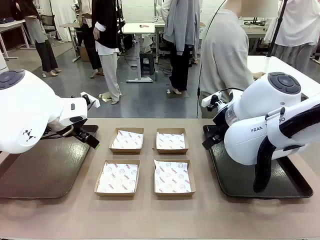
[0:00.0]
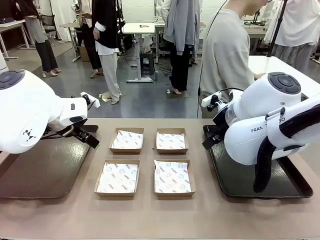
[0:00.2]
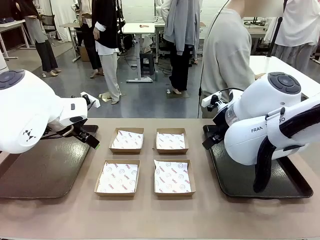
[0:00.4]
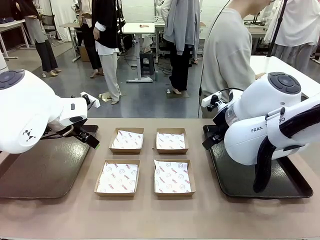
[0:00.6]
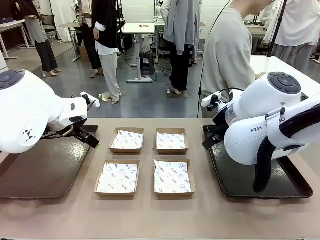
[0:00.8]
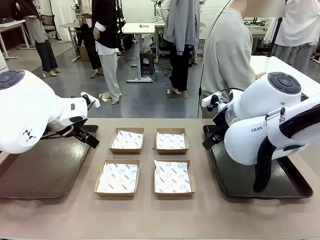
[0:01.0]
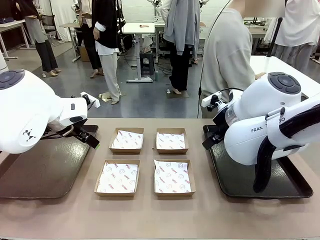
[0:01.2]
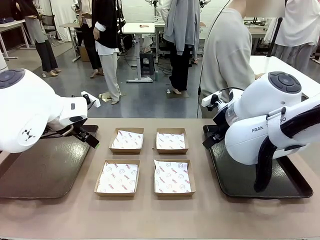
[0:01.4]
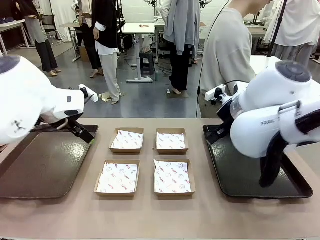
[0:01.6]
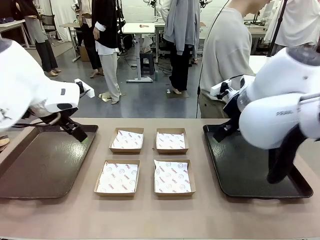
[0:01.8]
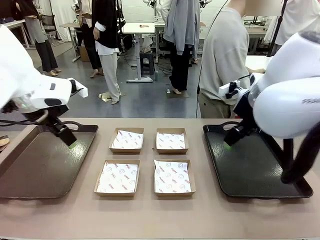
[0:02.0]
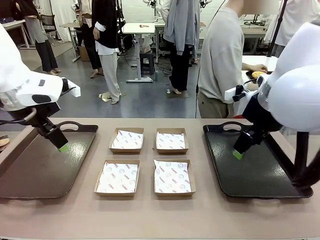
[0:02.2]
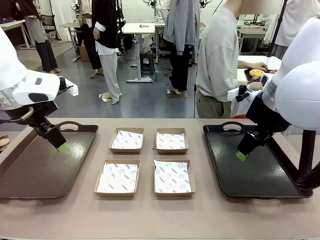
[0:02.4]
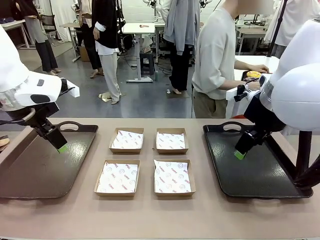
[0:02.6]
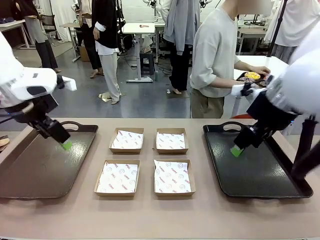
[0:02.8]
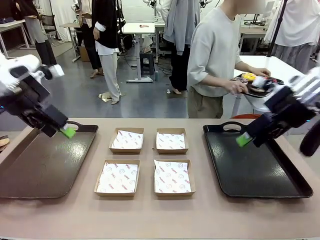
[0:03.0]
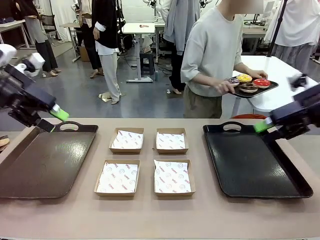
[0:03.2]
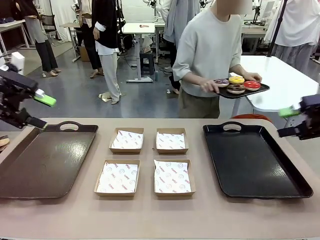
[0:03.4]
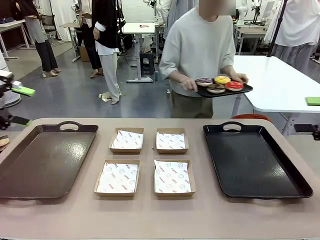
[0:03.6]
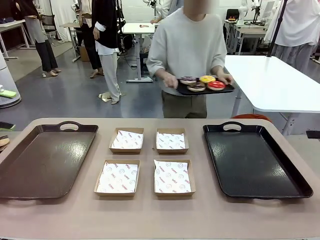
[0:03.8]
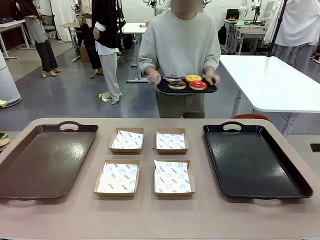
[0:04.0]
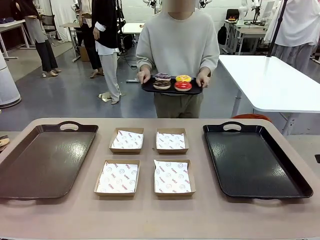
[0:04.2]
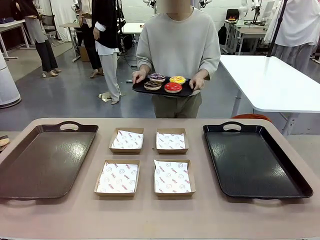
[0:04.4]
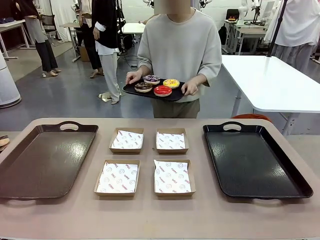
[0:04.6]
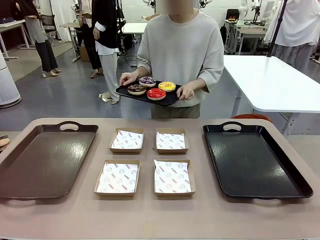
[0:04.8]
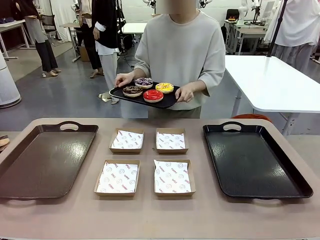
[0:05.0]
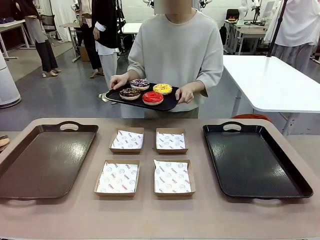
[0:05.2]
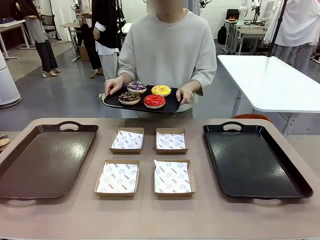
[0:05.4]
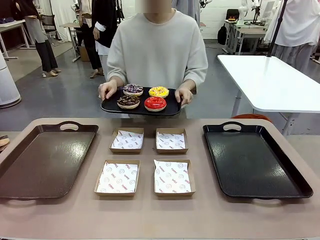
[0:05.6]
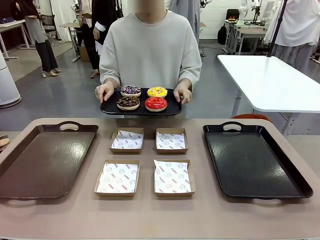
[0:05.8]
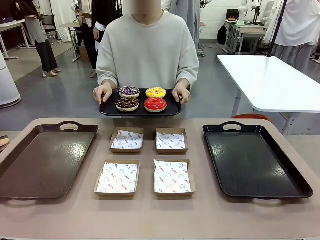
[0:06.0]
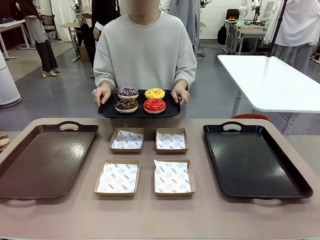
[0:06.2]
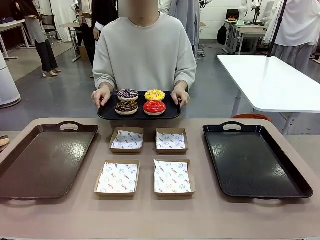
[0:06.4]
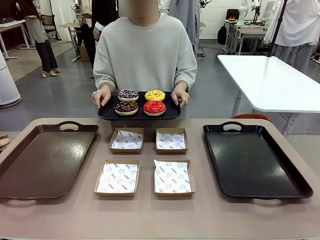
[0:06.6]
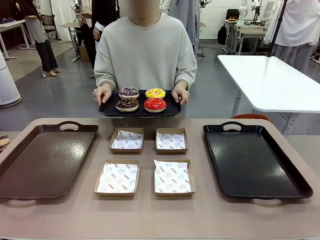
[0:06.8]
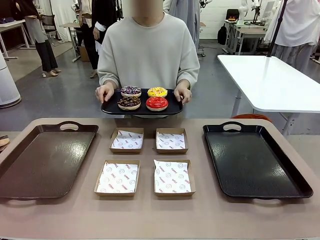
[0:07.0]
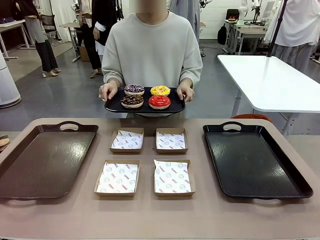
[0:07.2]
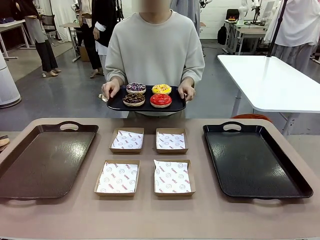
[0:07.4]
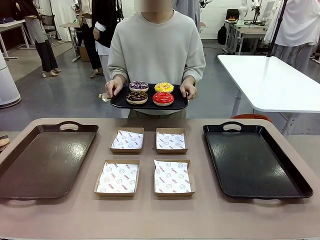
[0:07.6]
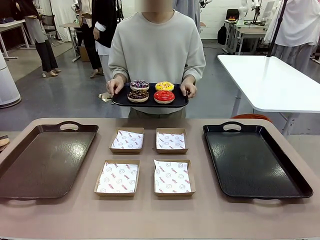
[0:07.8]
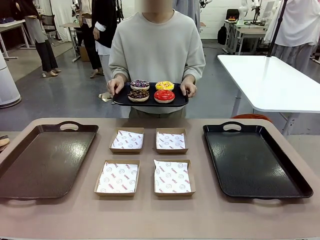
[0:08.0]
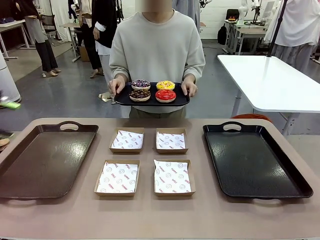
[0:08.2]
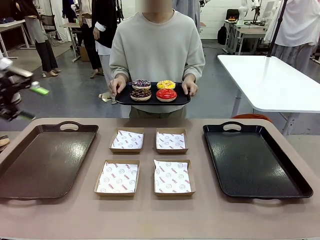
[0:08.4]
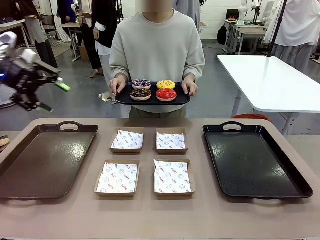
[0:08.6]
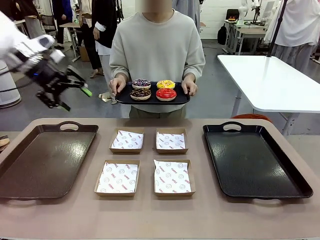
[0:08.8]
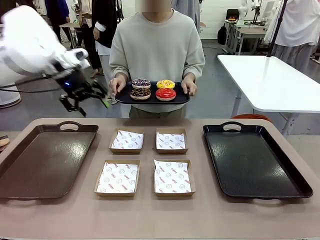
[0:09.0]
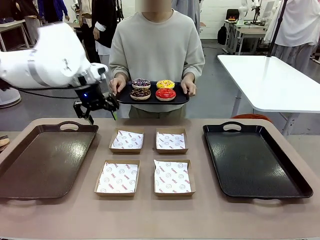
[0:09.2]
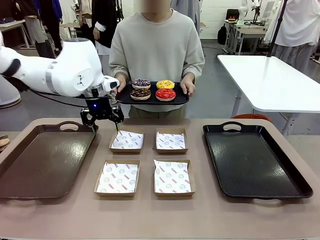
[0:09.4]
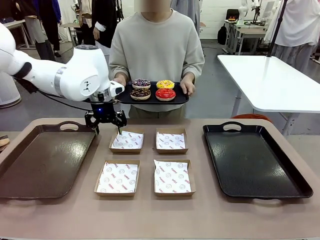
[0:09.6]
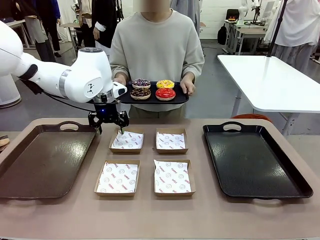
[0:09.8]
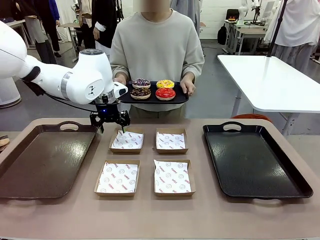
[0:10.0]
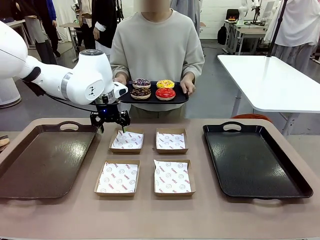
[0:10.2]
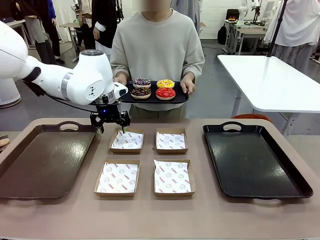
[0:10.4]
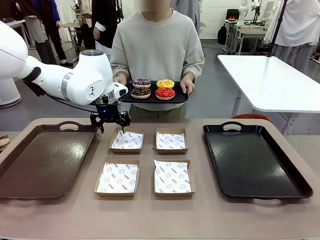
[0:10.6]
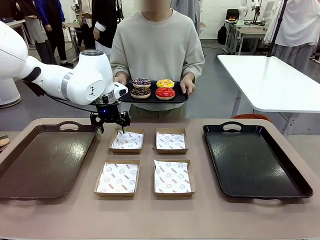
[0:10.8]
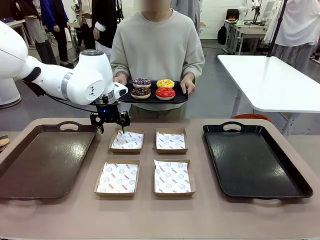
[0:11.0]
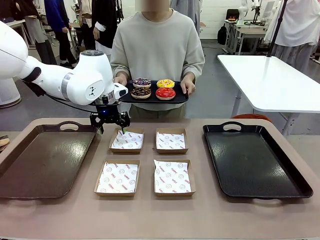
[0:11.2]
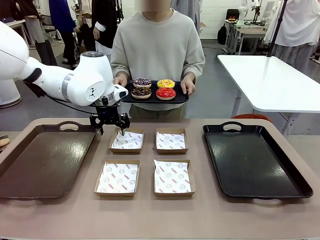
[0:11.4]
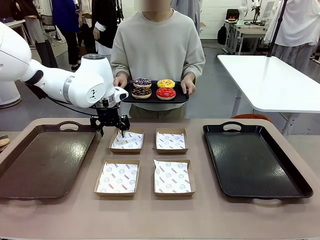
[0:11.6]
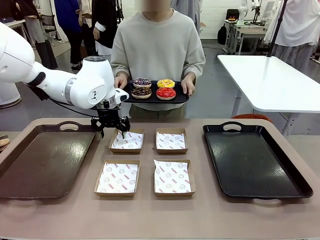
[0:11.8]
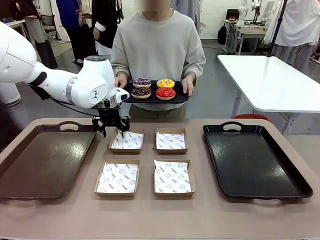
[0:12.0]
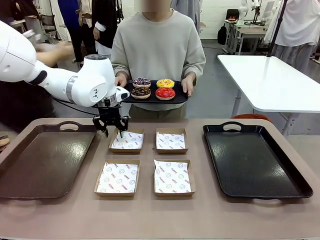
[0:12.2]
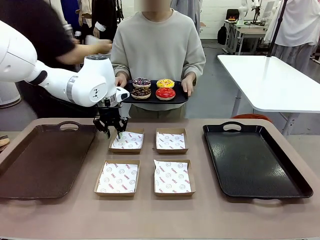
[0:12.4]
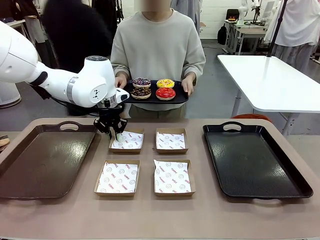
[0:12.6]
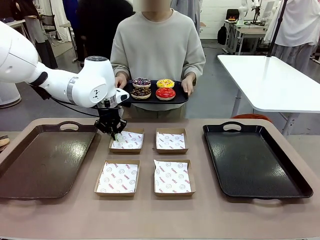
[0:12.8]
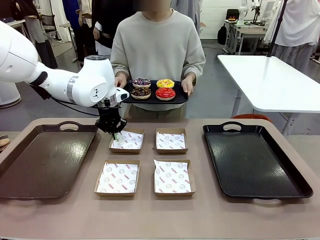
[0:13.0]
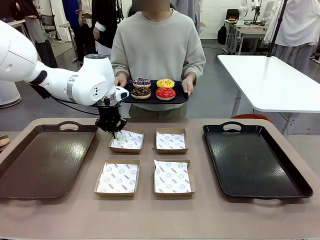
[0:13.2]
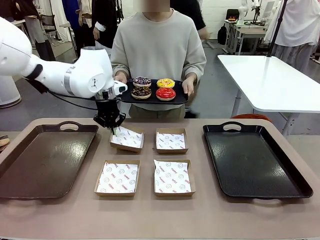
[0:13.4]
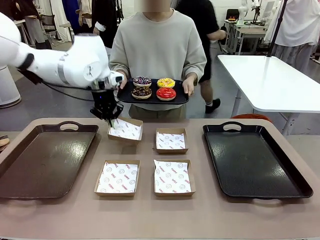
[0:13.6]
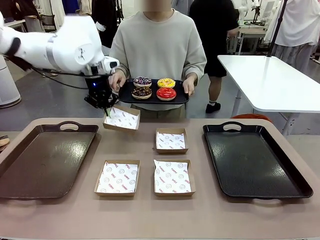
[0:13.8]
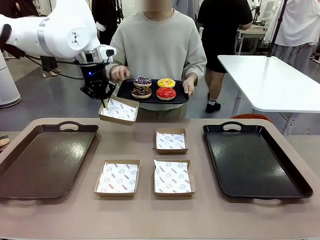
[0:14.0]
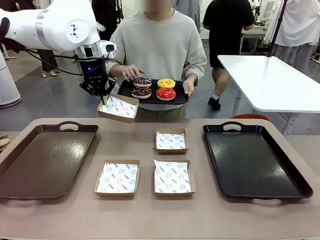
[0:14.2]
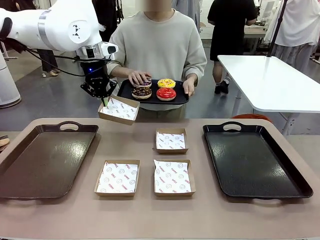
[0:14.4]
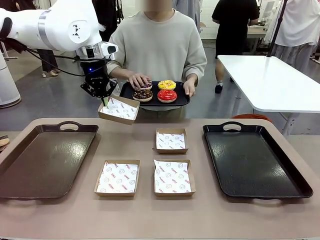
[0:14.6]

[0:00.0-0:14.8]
Task: Individually package the donuts and arrange them on the tray.
Robot: Pick up one Paper togo box.
Person: Stand in front of the robot table holding the tray containing the donuts.
